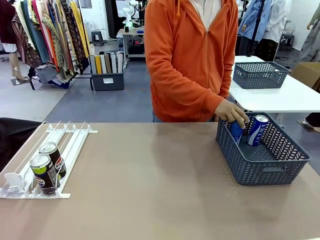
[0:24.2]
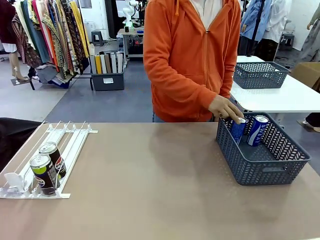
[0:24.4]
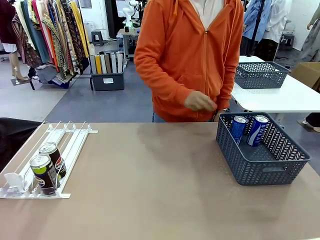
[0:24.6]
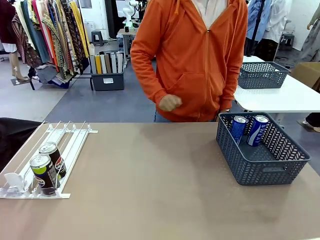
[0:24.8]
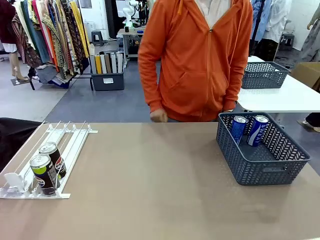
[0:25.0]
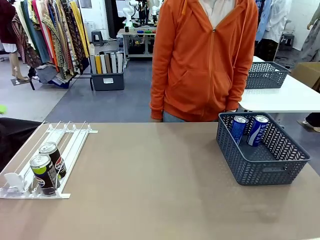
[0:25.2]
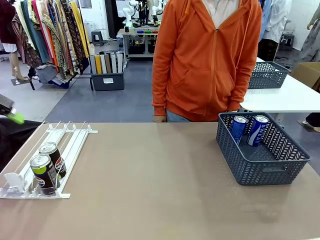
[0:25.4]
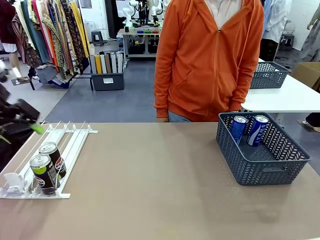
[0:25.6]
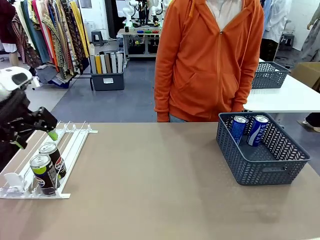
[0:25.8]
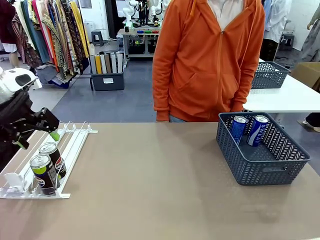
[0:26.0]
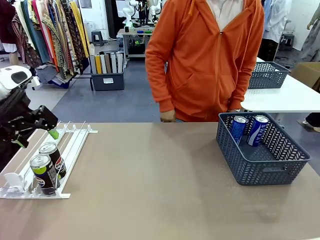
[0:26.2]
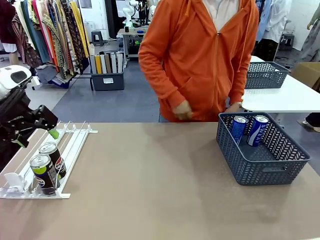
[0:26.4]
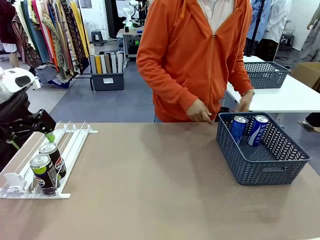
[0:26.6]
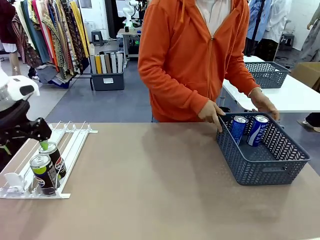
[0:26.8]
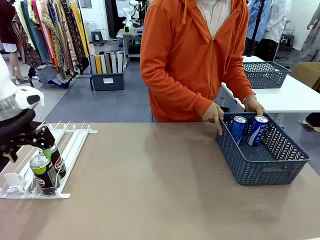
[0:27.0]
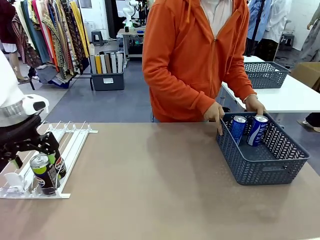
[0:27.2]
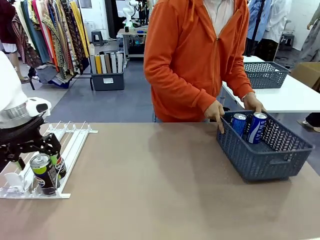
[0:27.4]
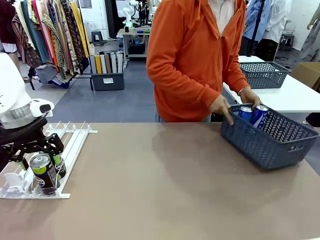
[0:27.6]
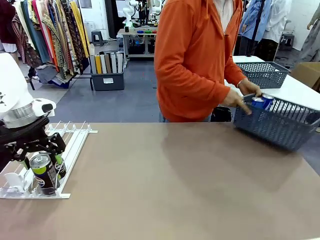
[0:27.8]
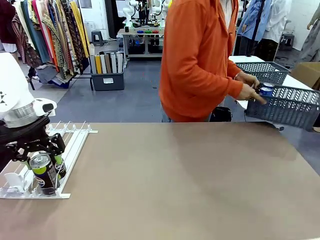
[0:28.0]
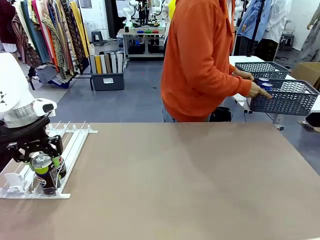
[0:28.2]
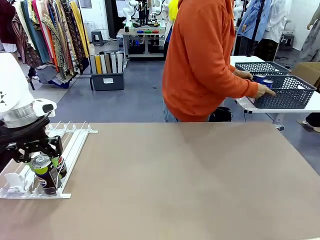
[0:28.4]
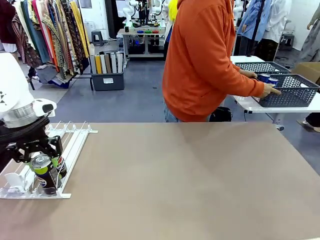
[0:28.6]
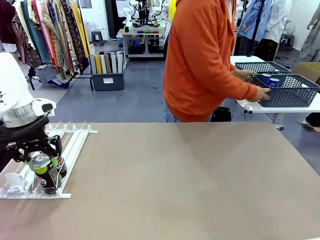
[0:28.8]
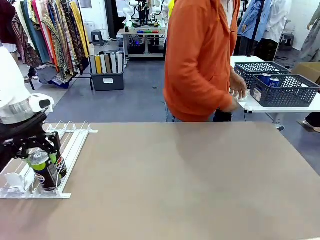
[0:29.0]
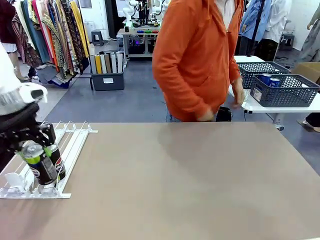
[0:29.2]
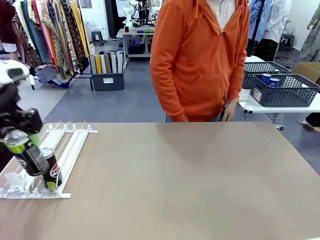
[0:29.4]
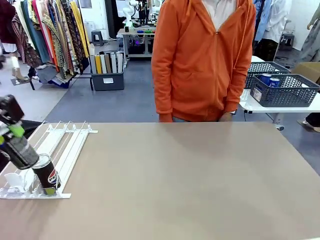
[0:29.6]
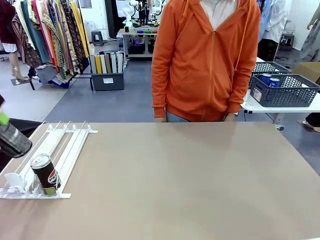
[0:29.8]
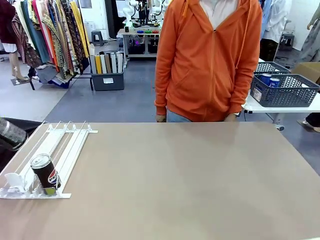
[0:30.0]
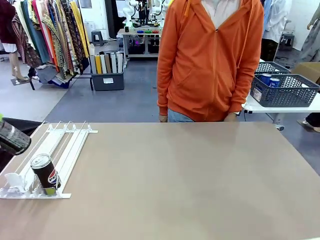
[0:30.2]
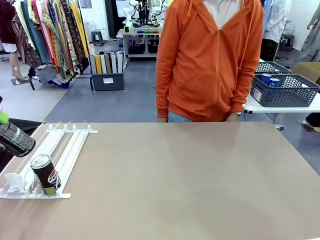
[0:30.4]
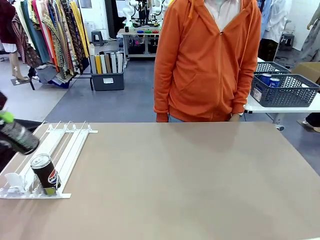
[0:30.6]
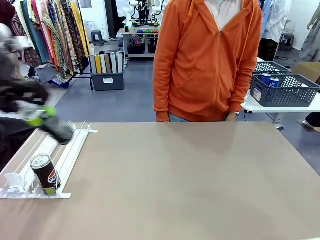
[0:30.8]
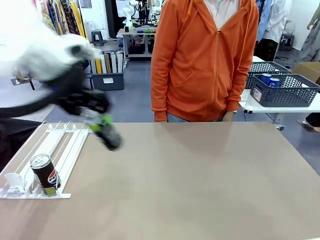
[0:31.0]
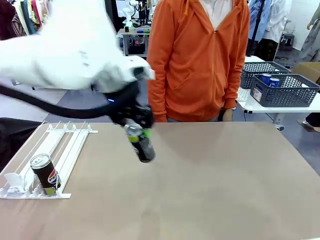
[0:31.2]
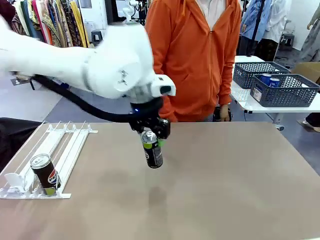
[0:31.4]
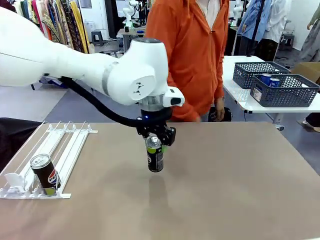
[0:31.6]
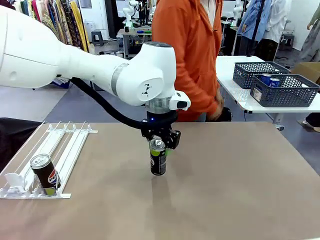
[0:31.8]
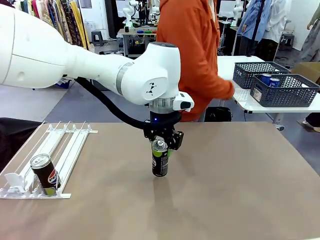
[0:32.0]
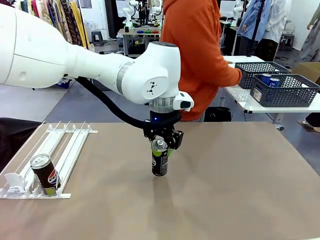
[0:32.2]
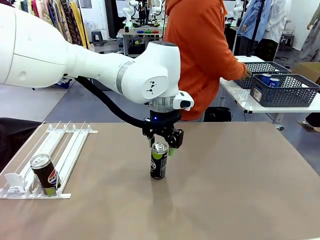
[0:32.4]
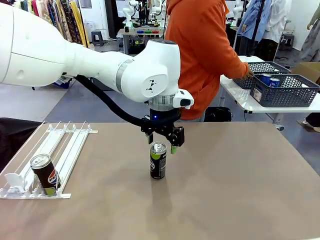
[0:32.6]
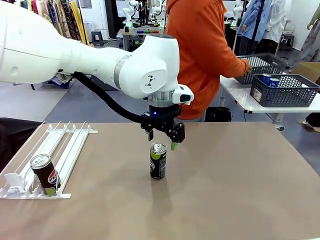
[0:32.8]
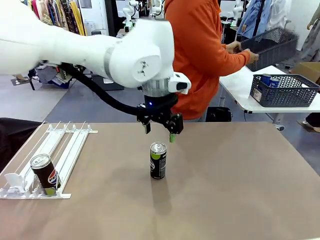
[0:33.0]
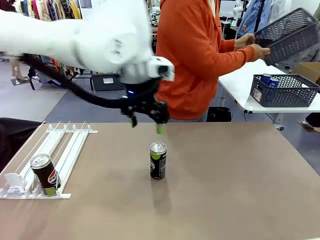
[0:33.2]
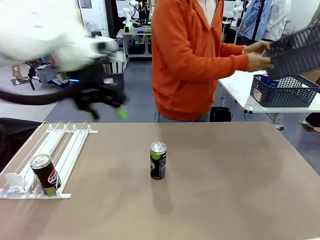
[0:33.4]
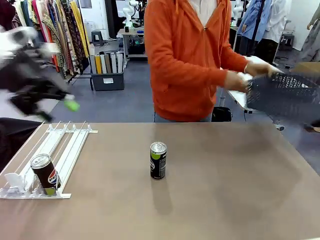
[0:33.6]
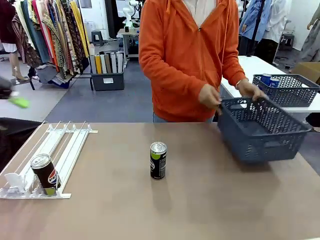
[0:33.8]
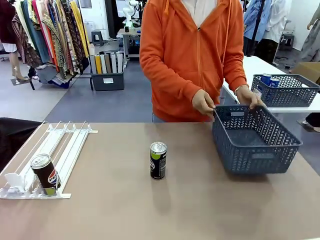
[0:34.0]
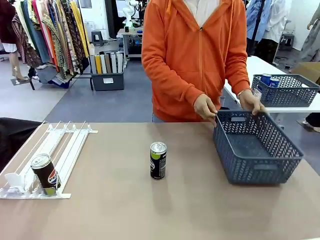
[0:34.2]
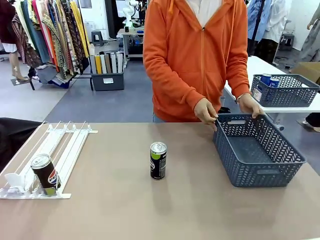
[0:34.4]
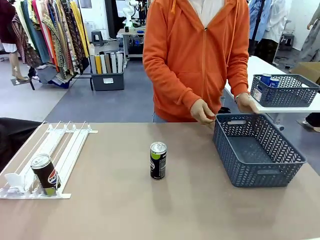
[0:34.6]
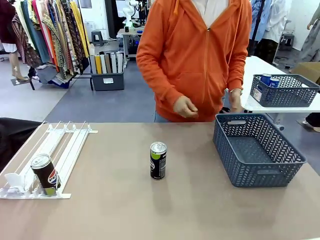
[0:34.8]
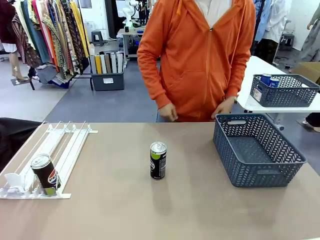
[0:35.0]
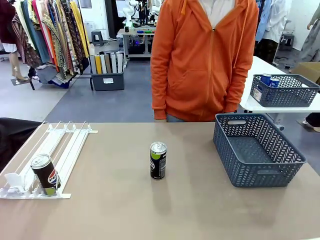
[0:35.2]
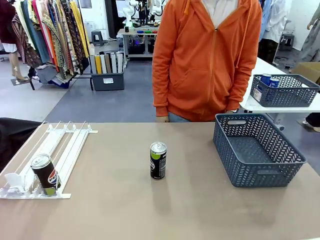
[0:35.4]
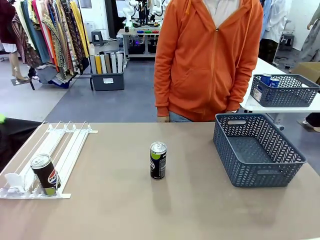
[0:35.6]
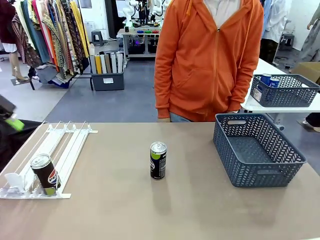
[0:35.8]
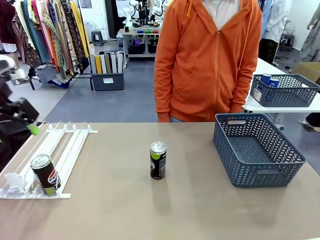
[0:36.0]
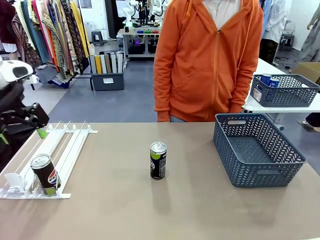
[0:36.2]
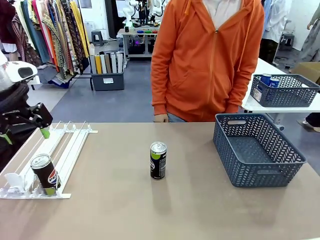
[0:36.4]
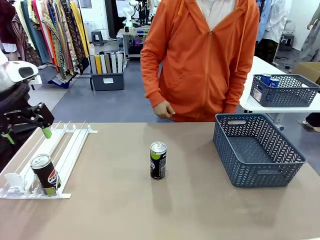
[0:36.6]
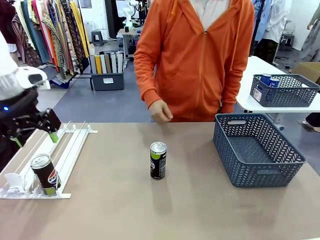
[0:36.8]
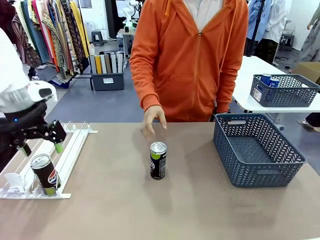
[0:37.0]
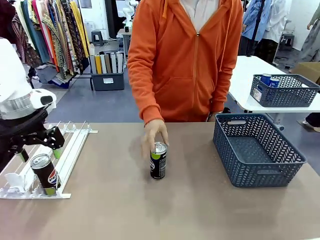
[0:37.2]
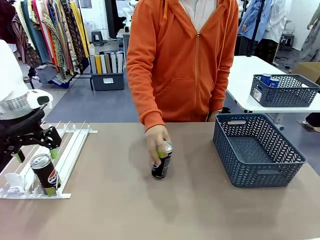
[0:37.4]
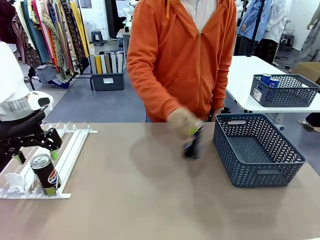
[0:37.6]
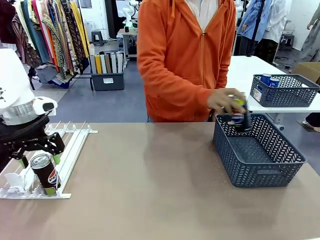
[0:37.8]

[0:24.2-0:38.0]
Task: Retrieve and store the cans from the dispenser.
Robot: Pick up one can from the Automatic Can Dispenser and place it in the middle of the table.
Person: Pick up the basket and place it in the middle of the human table. Pick up the empty basket and place it on the left side of the robot table.

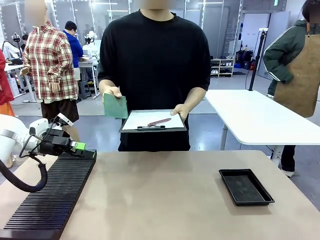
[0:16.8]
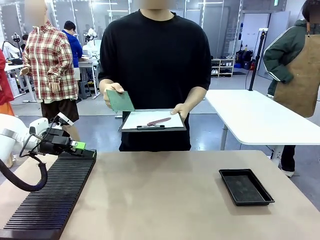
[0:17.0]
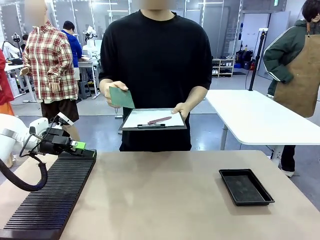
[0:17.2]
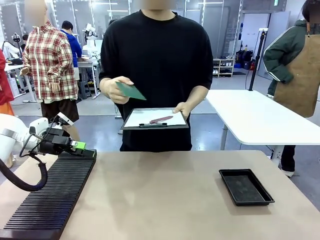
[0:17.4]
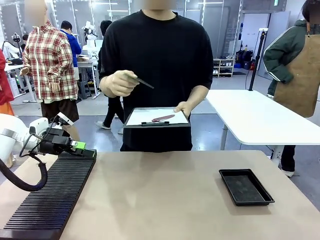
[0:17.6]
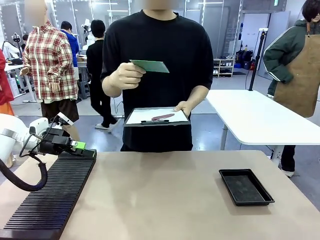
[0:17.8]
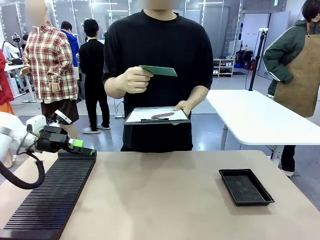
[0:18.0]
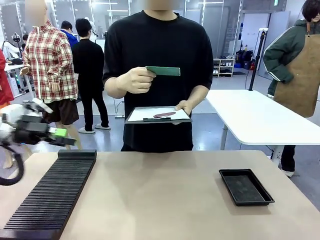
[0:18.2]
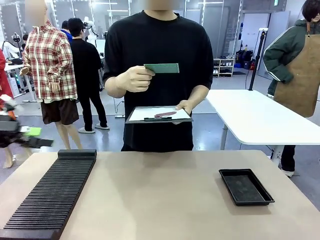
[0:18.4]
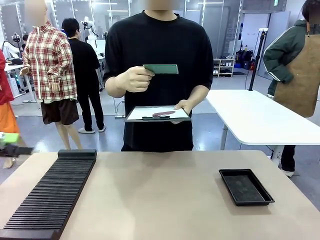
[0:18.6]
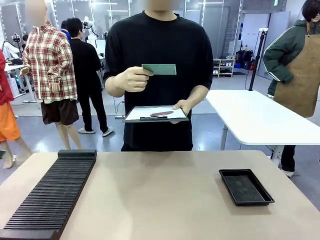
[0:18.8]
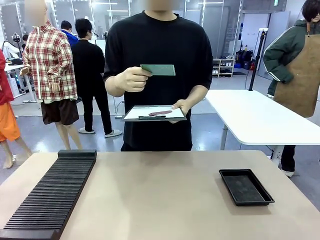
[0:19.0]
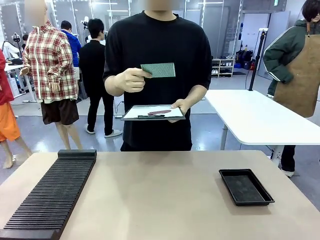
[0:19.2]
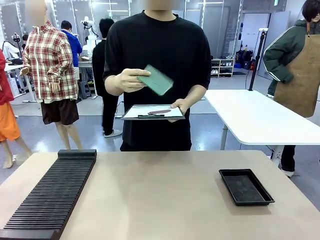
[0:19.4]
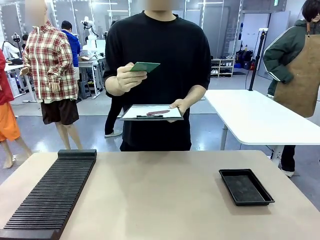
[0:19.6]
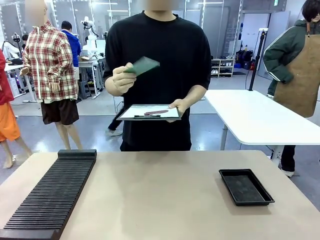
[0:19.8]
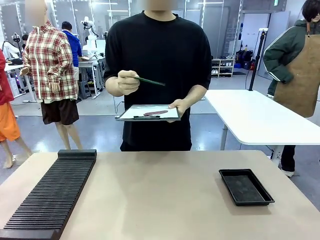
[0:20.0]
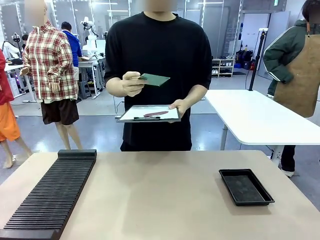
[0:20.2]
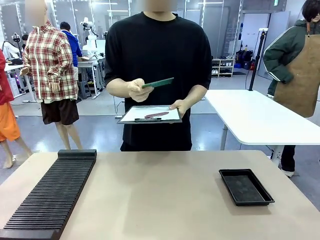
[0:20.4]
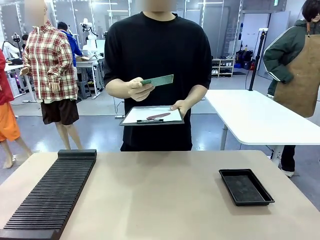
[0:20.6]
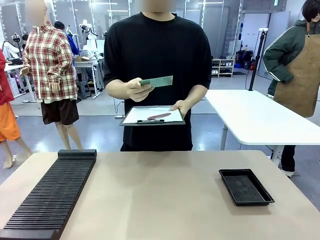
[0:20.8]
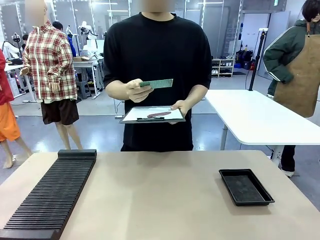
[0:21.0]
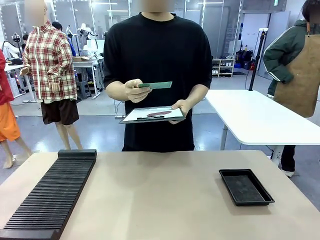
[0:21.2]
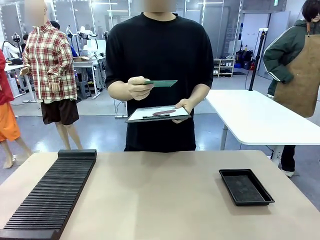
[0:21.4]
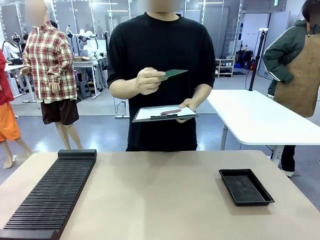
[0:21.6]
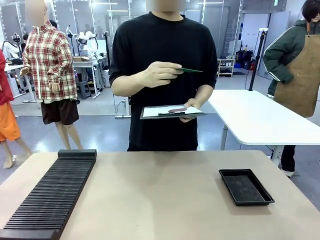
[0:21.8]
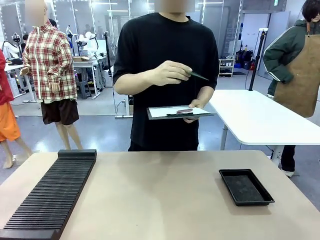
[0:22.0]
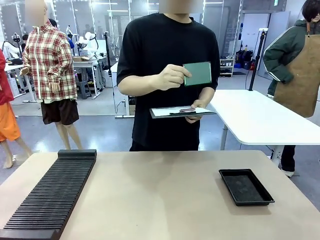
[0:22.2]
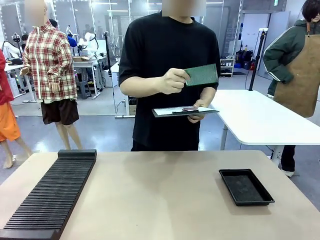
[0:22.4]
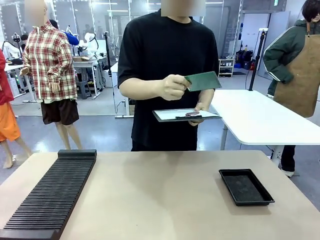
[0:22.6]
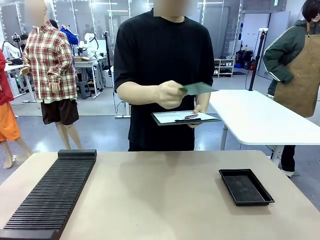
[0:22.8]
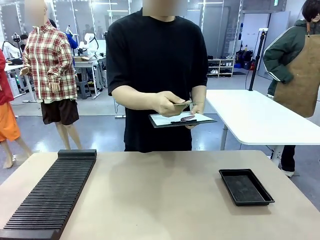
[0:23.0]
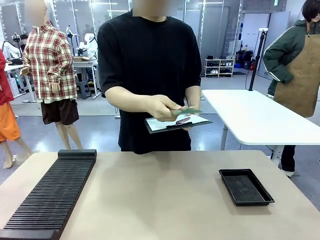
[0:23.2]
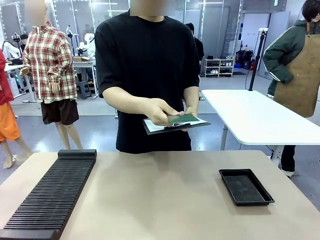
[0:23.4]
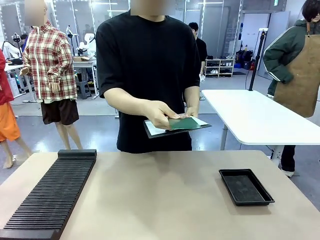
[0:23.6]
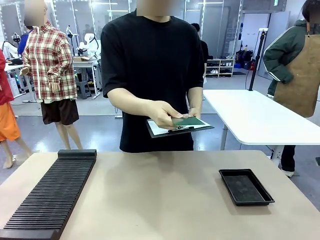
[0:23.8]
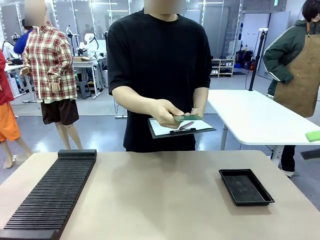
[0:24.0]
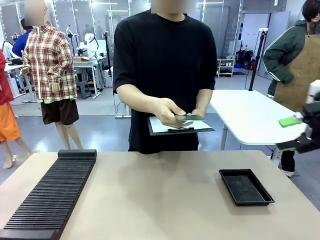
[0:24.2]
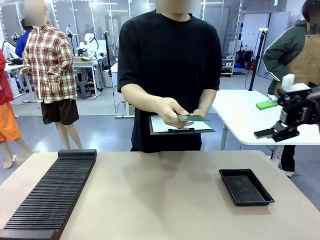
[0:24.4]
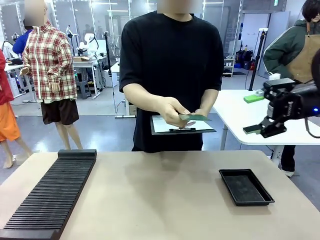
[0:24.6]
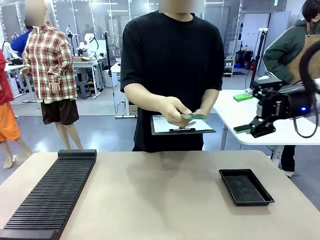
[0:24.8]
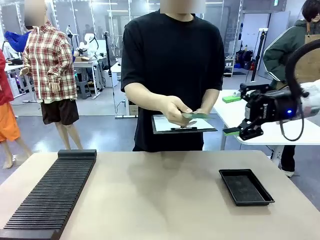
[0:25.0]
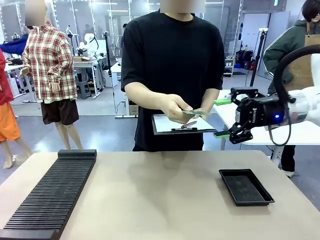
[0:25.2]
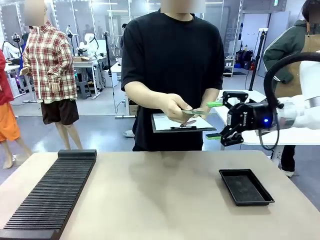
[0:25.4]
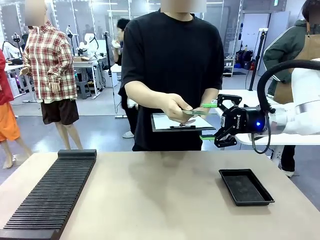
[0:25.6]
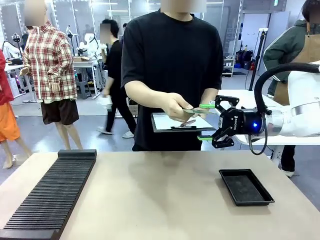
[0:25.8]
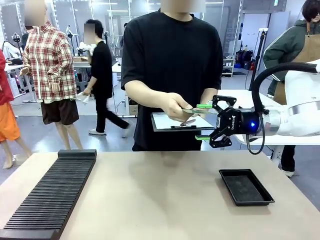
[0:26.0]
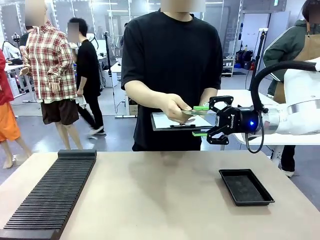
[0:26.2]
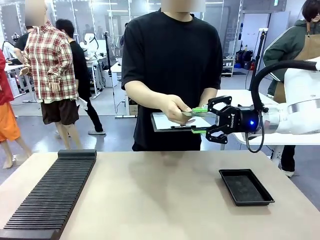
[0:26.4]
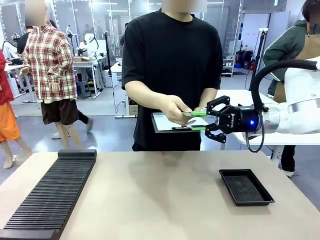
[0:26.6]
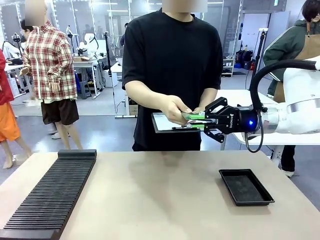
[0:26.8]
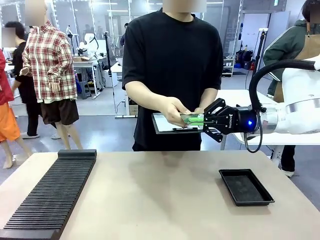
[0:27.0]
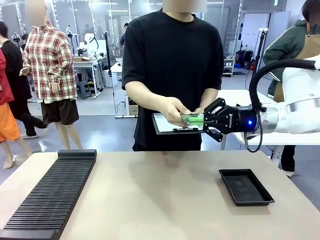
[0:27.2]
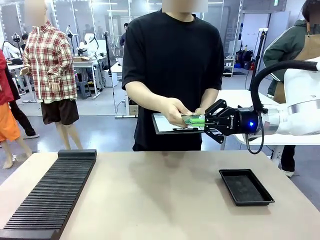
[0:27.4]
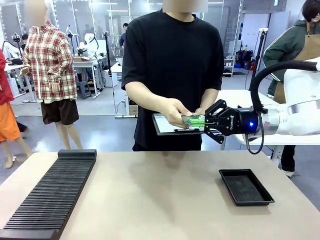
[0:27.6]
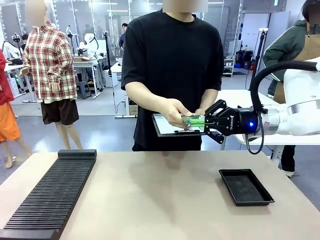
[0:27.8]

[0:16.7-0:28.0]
Task: Inspect the PCB.
Robot: Pick up the Blank PCB that the human is holding.
Person: Inspect the PCB placed by the robot, then hold it out in front of the robot. Release the PCB you were holding.
